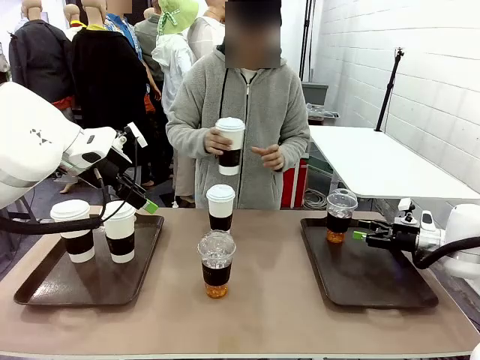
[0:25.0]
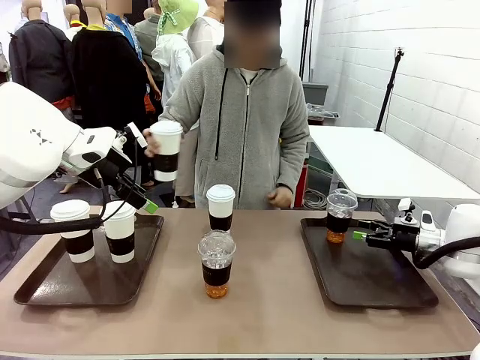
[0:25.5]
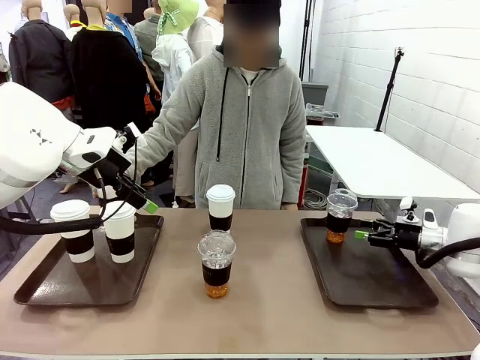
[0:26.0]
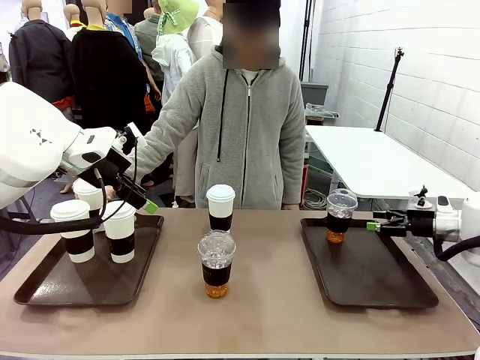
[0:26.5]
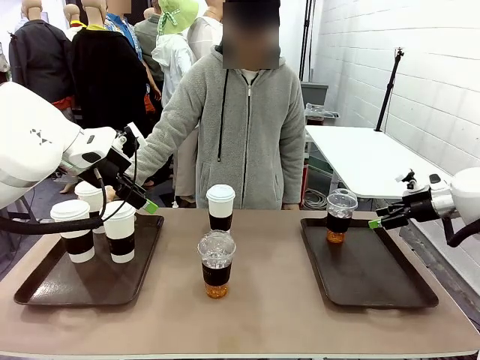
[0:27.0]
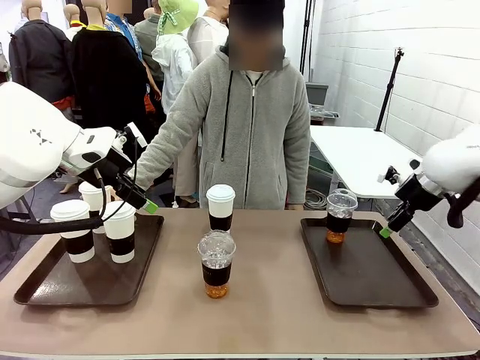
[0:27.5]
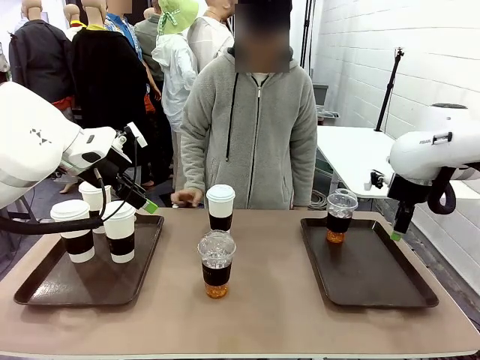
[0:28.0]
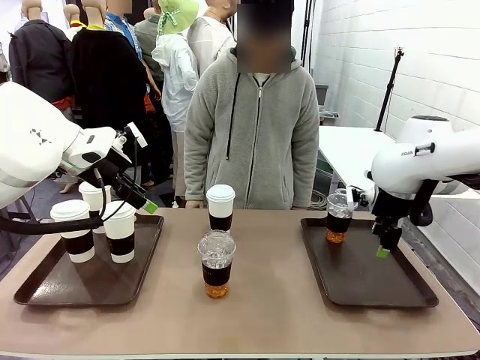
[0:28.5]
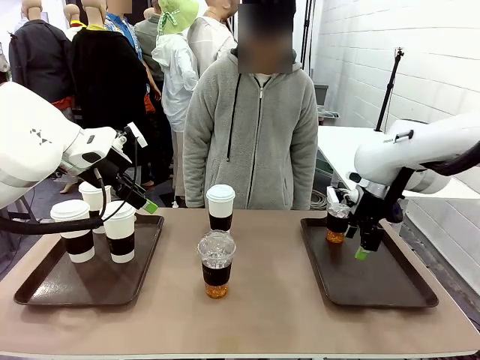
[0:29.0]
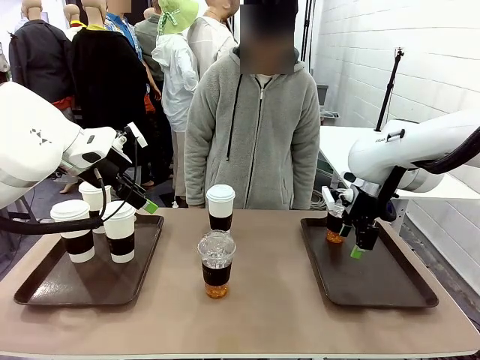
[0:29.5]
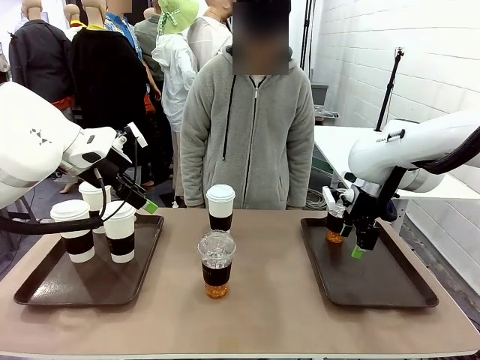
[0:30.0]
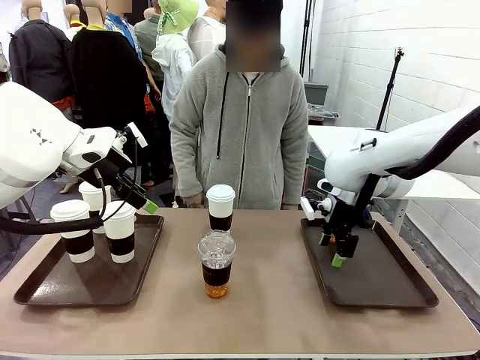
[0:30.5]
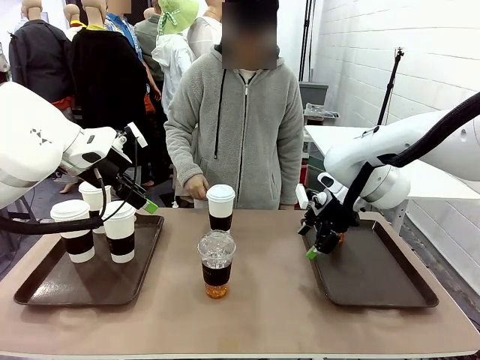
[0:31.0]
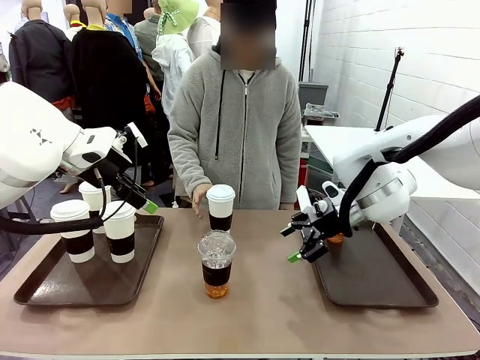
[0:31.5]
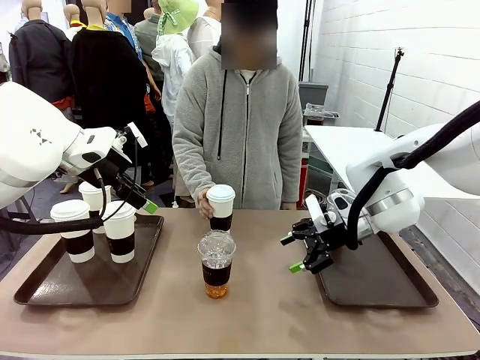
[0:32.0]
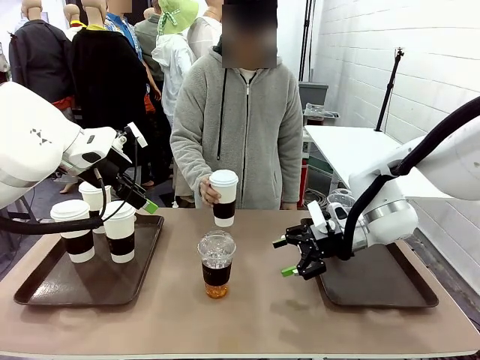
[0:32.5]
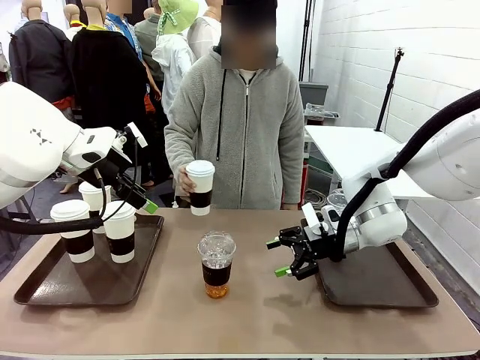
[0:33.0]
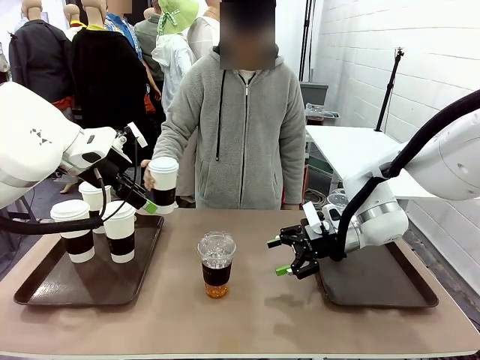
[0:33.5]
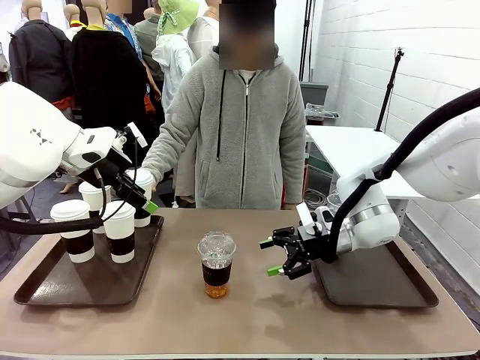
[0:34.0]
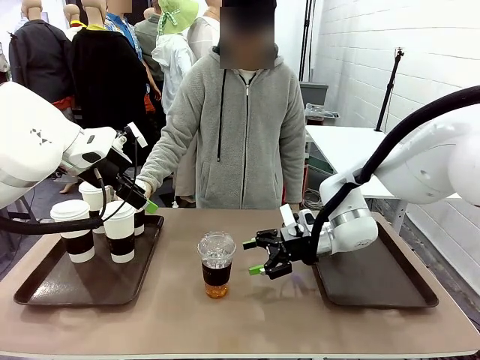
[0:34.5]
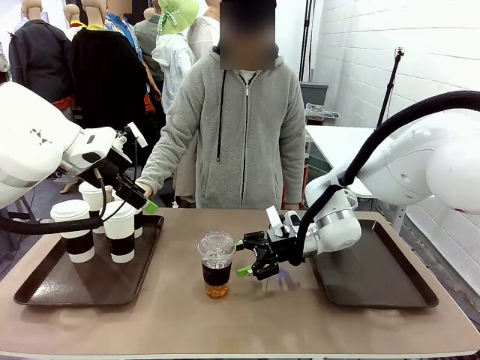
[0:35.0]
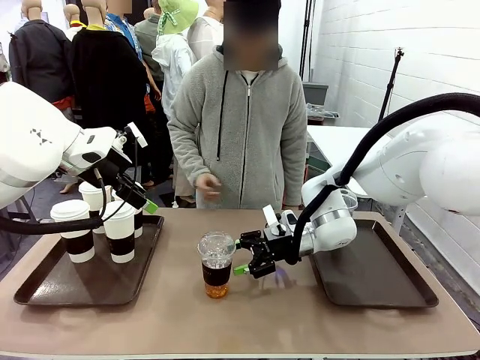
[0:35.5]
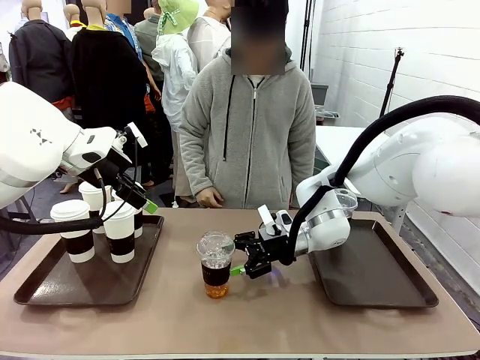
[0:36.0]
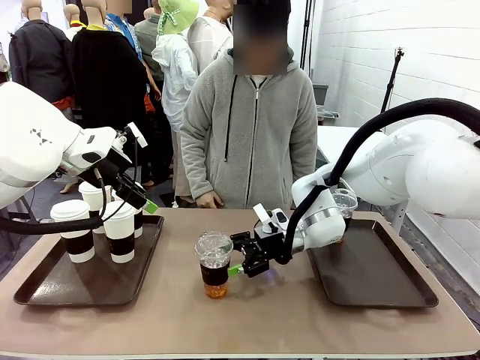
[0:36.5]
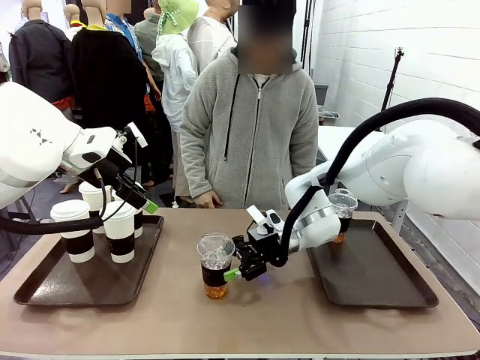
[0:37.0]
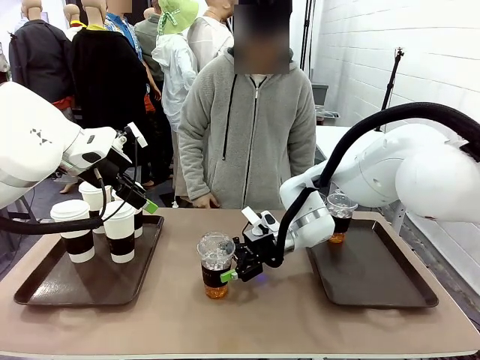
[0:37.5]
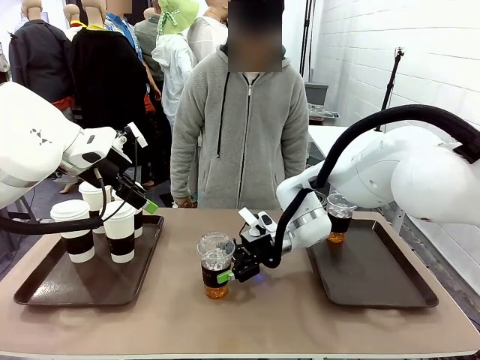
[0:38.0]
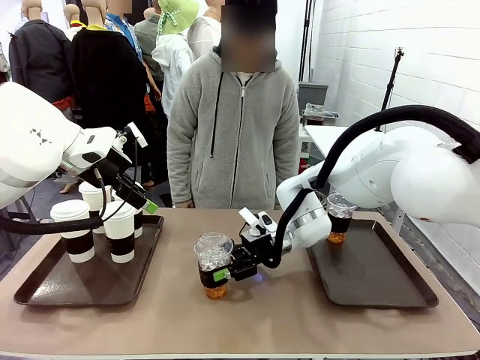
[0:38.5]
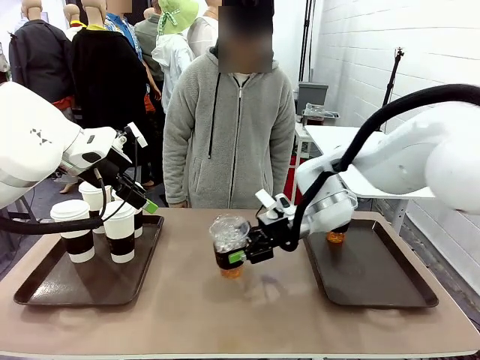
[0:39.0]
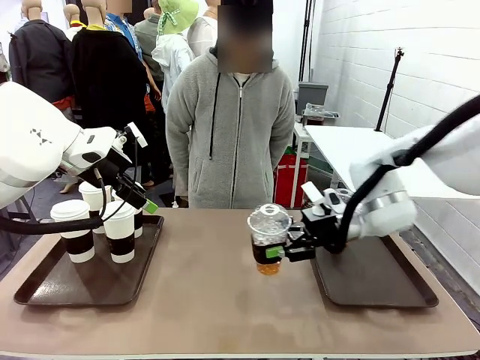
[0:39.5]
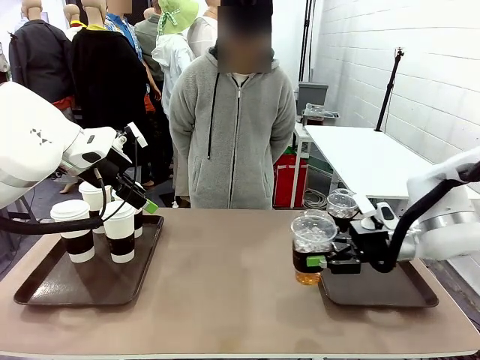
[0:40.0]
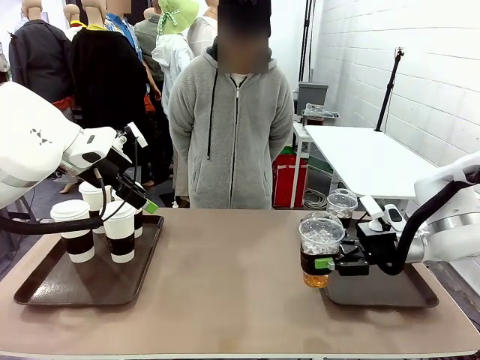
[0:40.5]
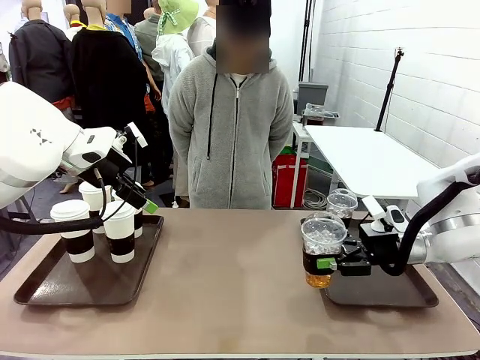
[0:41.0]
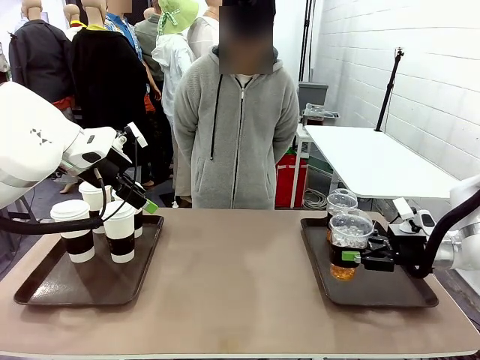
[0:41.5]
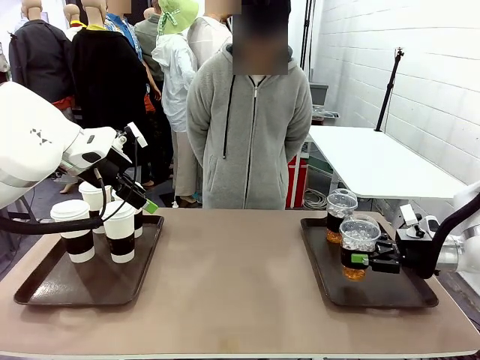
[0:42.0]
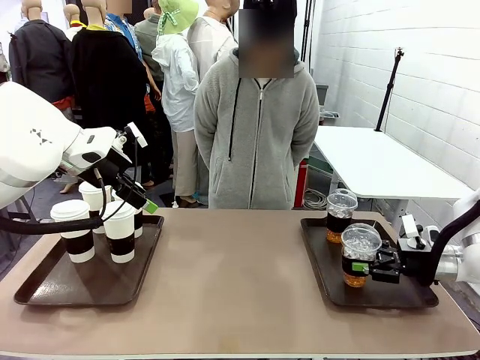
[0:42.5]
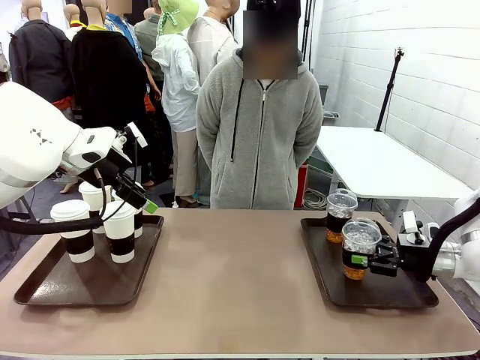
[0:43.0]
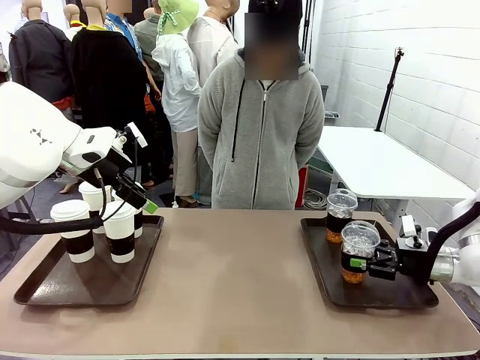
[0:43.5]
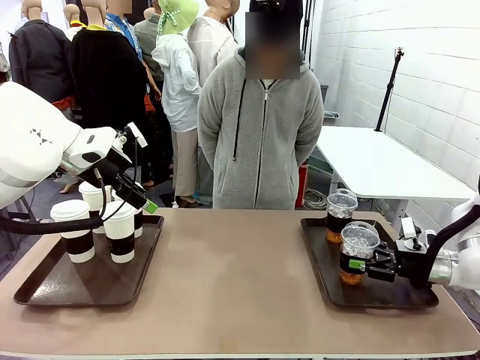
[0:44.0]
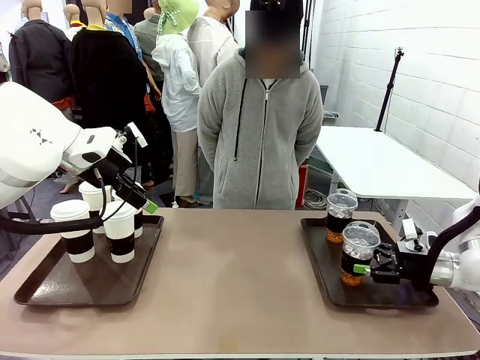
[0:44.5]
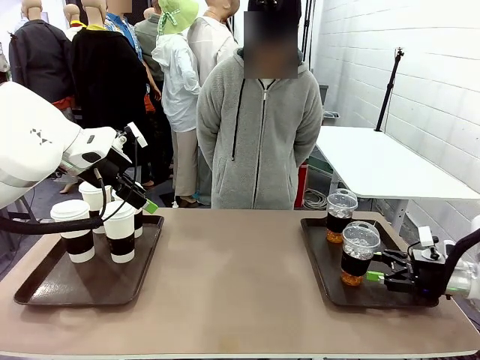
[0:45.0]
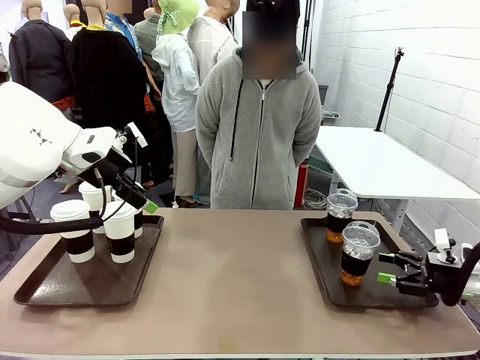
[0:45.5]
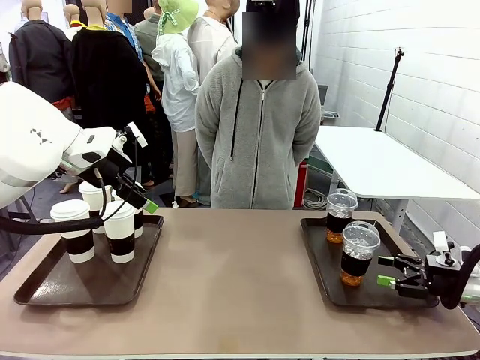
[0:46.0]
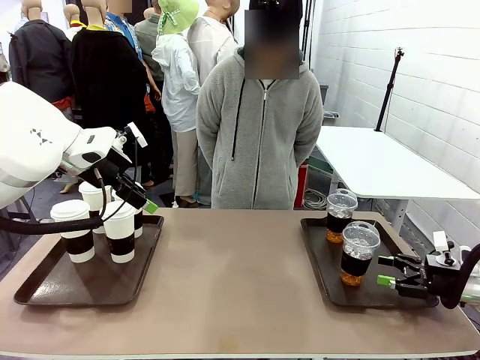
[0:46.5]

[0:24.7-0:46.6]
Task: Distribute the coffee onto the tray.
Robot: Pick up another iced Americano from the middle of the table and place it on the right Handle tray.
Person: Pick up a cup of hot Americano from the middle of the table and place it on the right tray.

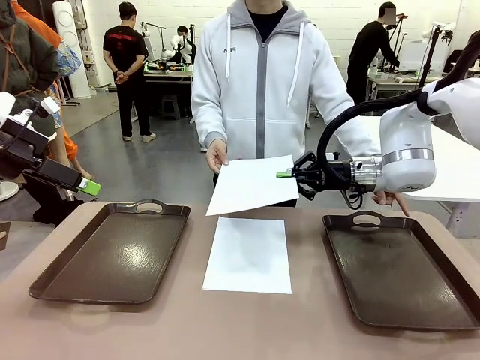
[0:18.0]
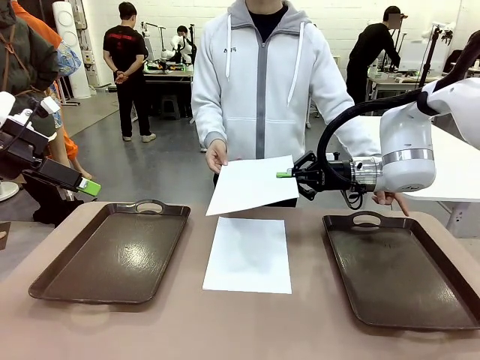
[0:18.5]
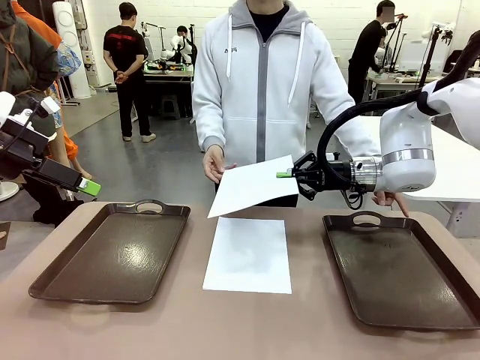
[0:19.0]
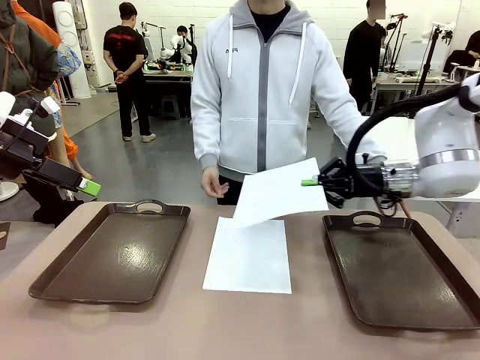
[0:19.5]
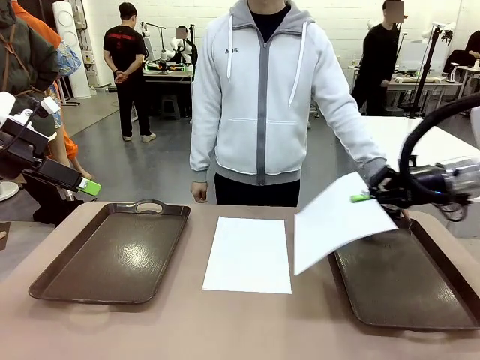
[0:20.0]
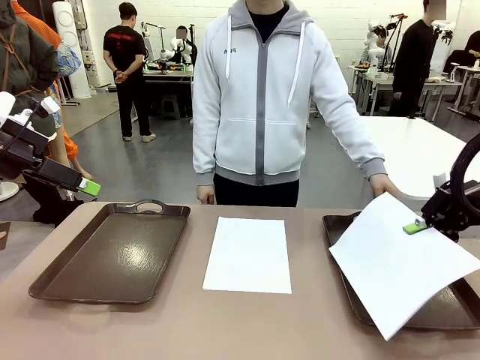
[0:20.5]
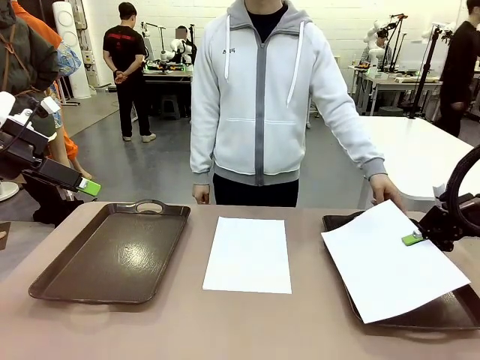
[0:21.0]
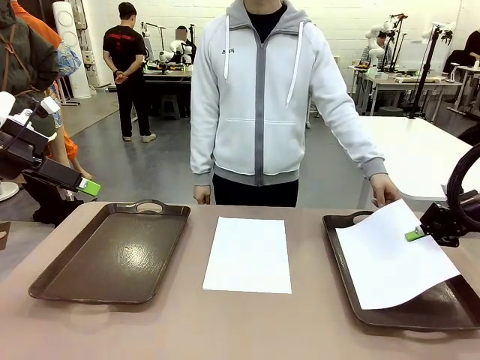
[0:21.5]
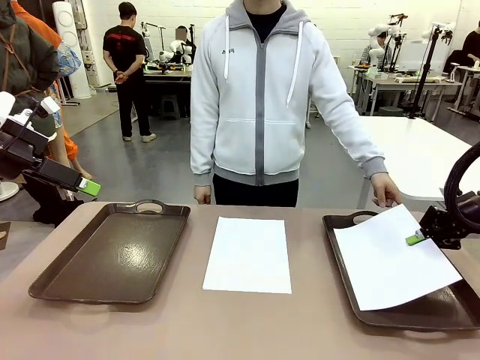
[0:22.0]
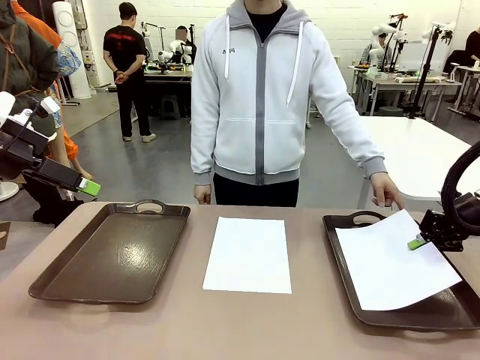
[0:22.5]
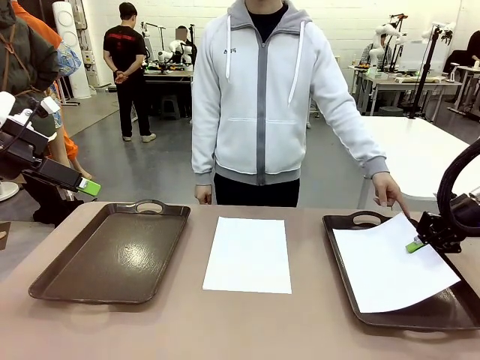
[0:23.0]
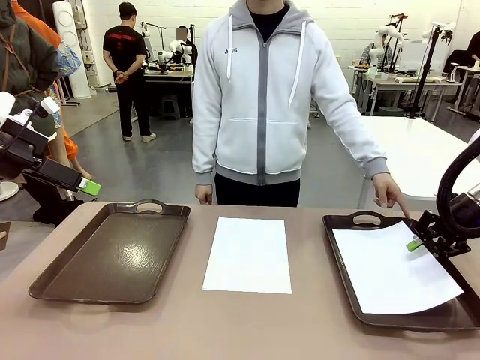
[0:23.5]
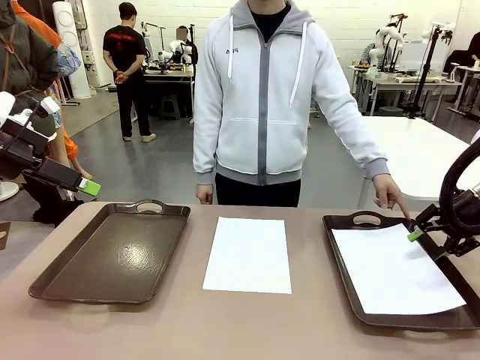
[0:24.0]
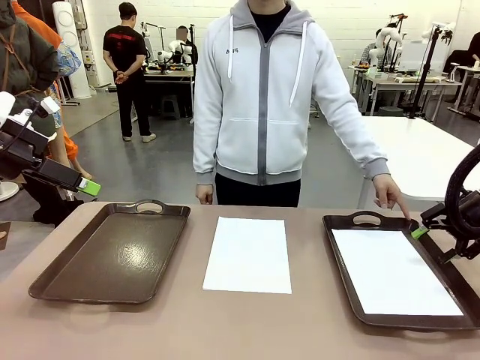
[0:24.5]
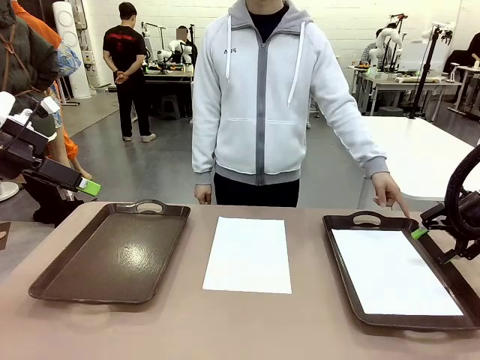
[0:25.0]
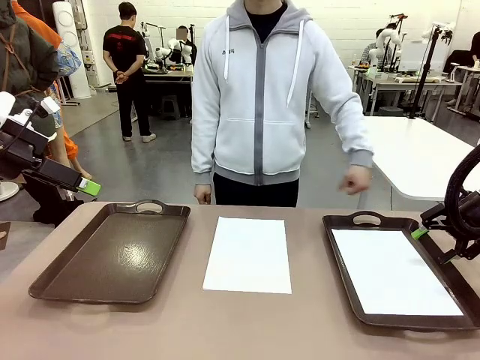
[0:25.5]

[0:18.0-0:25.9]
Task: Sort the A4 documents.
Robot: Place the A4 Paper in the designated Handle tray.
